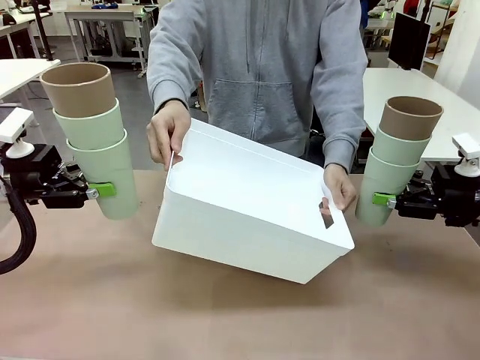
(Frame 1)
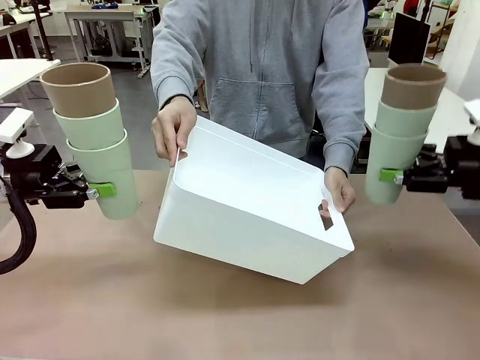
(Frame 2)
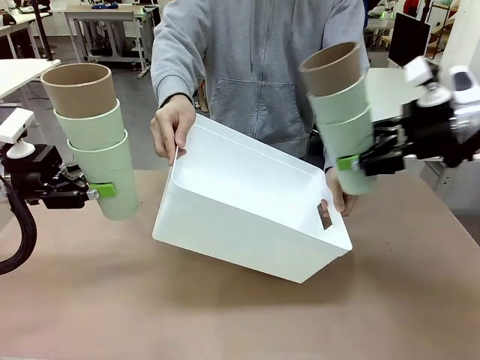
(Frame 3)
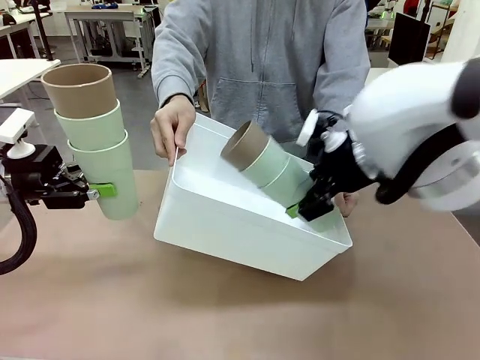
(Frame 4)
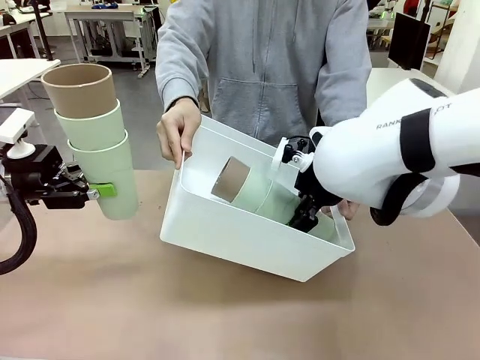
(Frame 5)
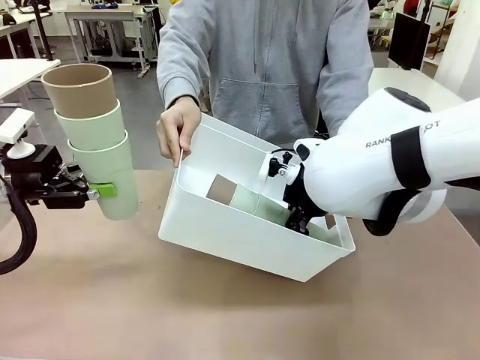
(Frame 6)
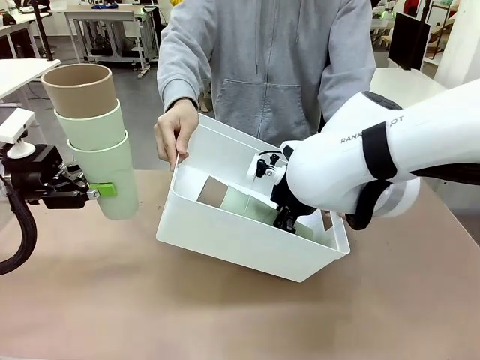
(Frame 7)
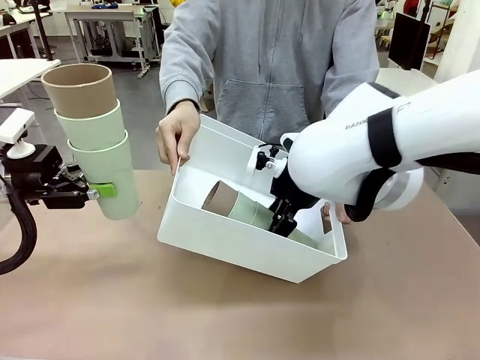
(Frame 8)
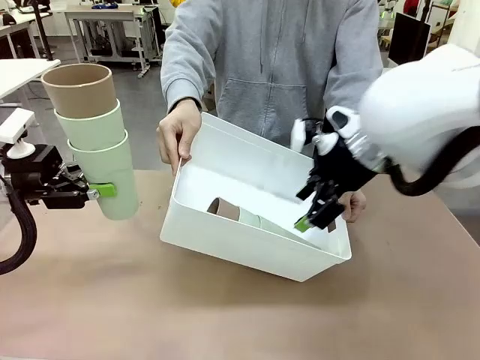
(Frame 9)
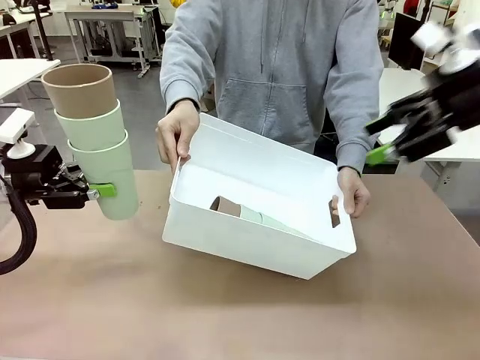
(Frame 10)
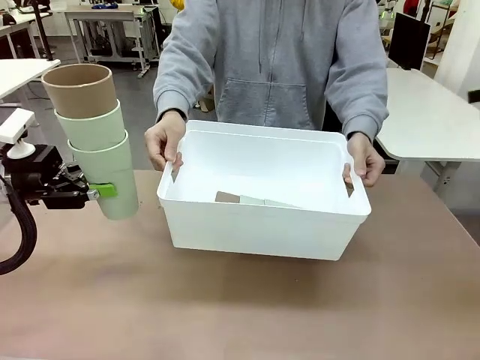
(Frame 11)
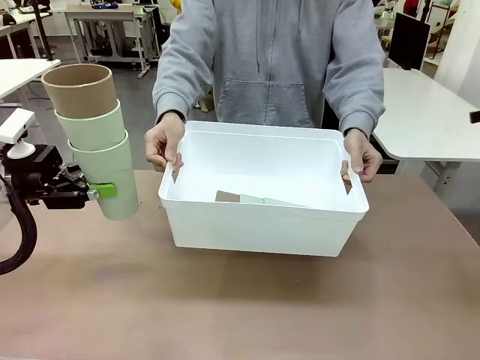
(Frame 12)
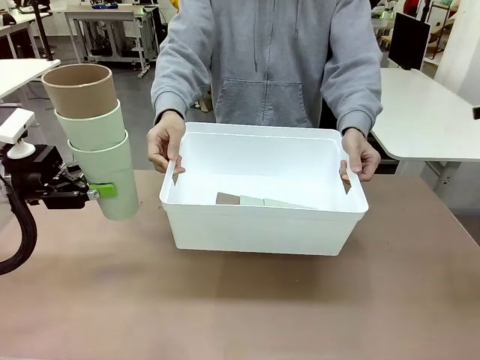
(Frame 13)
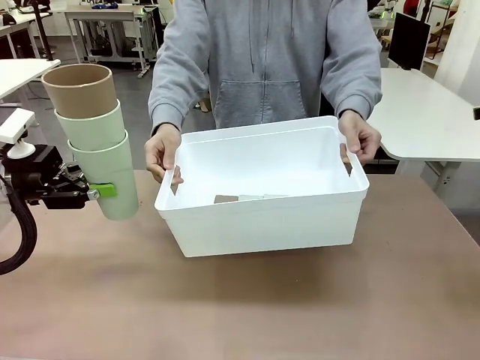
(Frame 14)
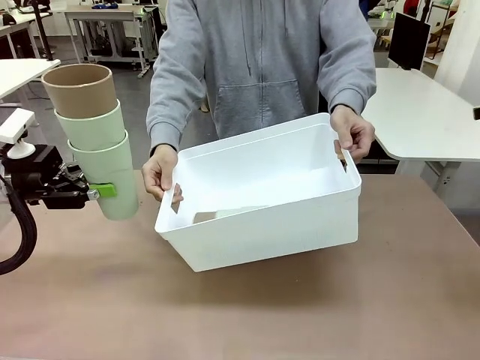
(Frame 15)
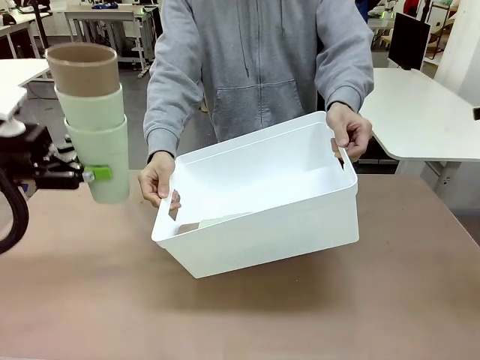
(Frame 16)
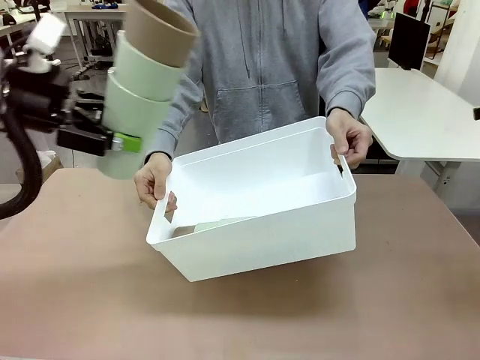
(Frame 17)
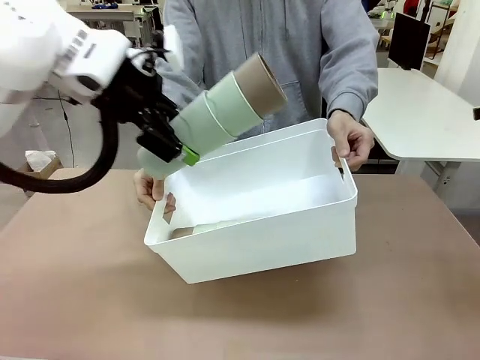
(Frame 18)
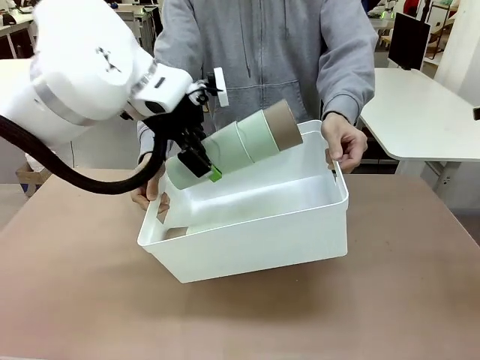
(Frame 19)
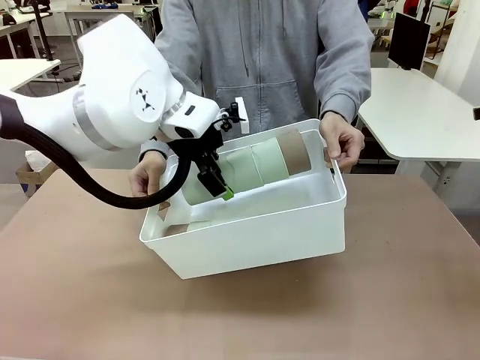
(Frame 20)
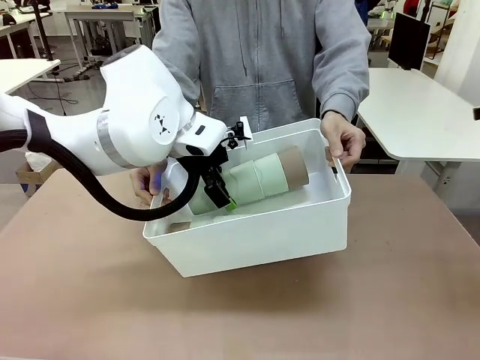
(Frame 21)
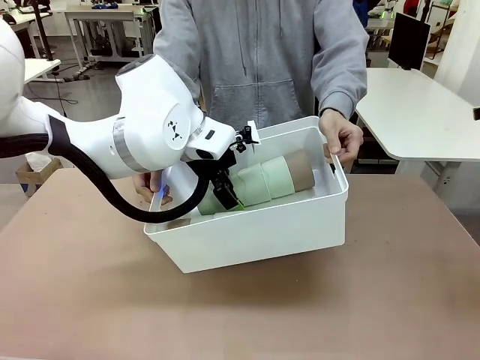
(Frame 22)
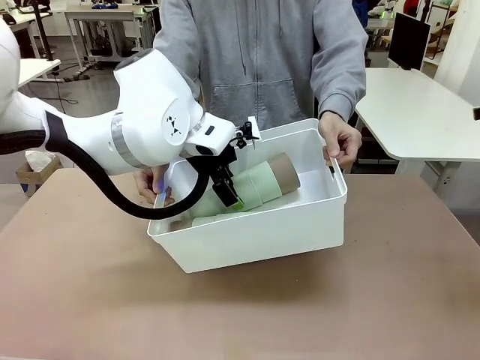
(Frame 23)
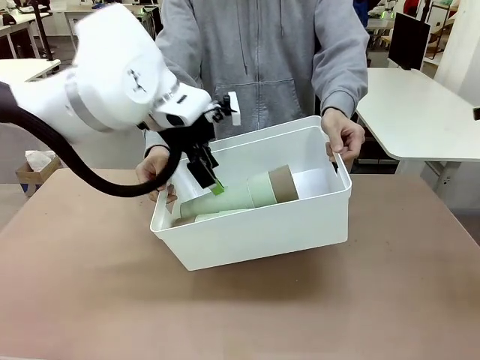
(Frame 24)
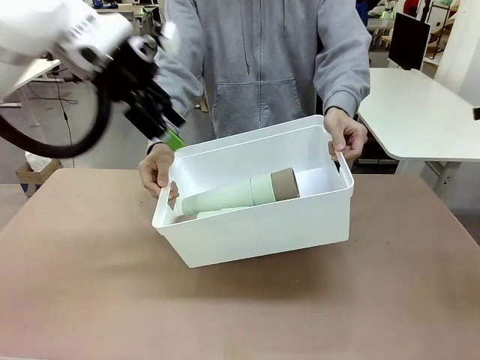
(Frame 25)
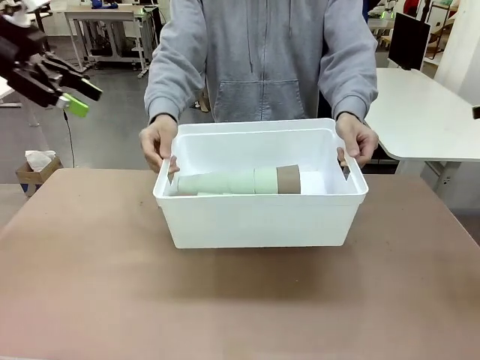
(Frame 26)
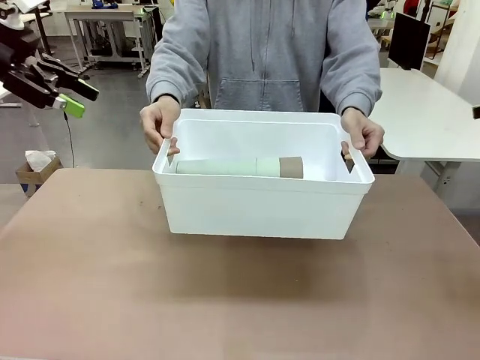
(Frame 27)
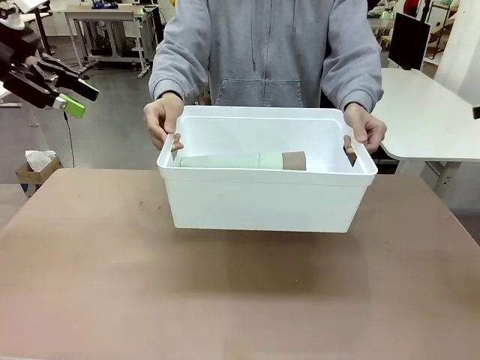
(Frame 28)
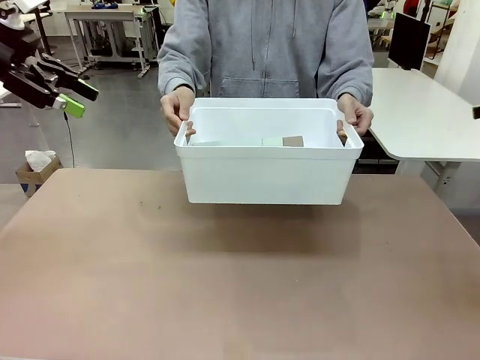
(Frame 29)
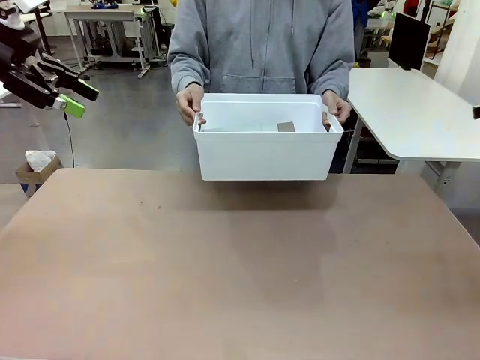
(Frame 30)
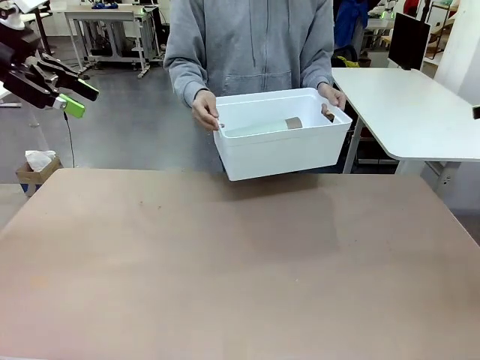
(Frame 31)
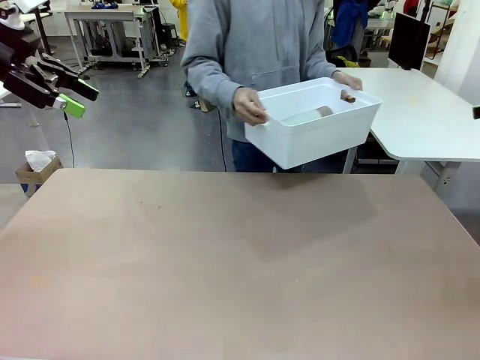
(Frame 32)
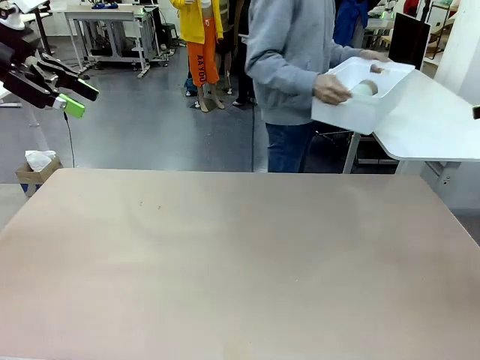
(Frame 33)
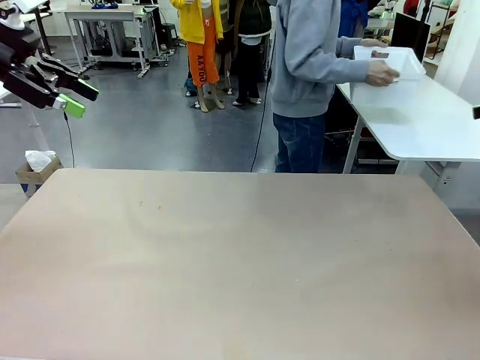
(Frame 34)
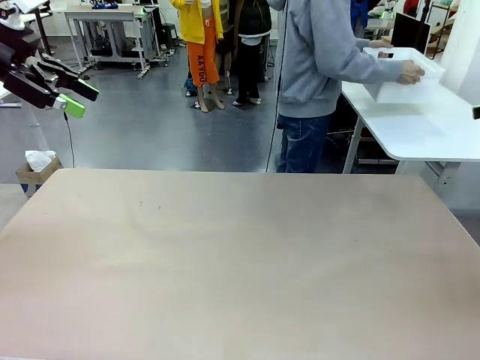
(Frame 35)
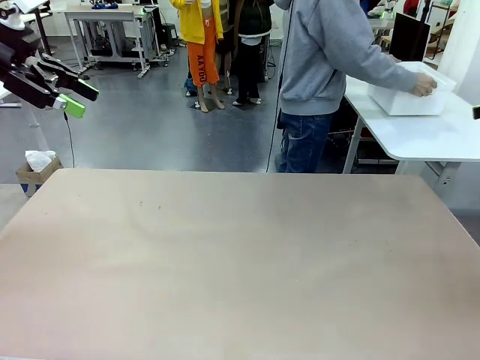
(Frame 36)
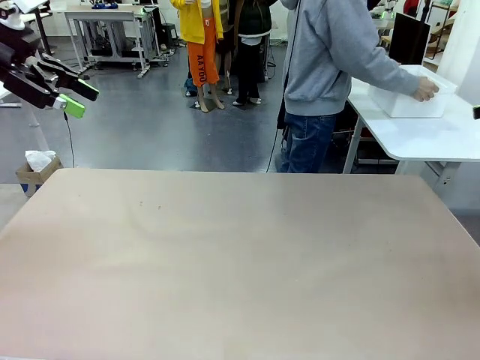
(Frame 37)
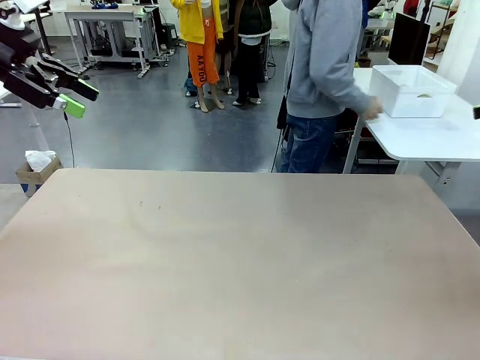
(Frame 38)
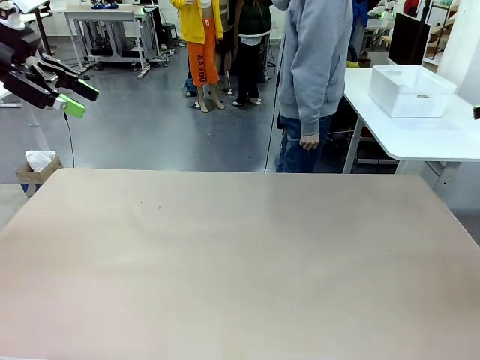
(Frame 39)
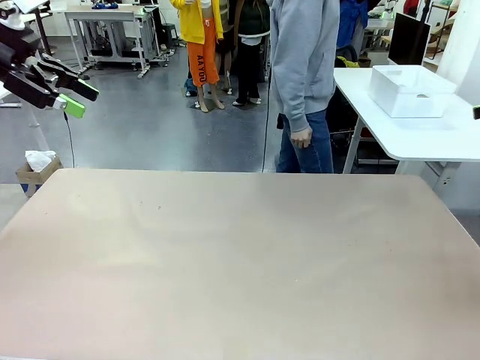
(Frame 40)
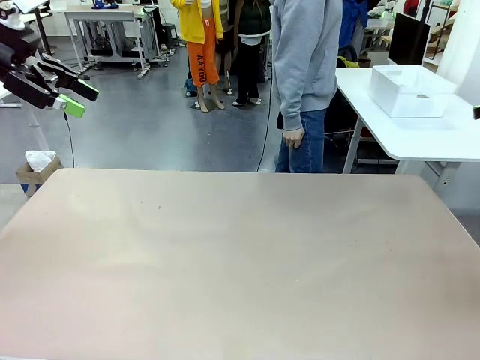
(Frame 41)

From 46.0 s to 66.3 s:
Task: Stack the cups and store them in the basket.
Robot: Place the stack of Reusable plastic cups into the Pantry Basket.
Person: Place the basket containing the cups in the middle of the Human Table.
